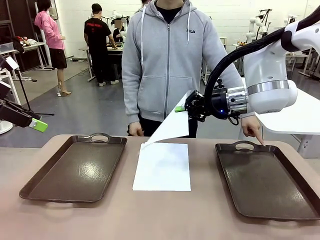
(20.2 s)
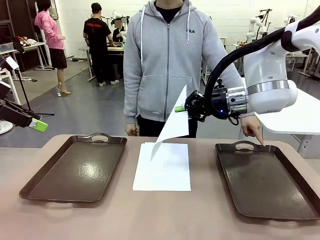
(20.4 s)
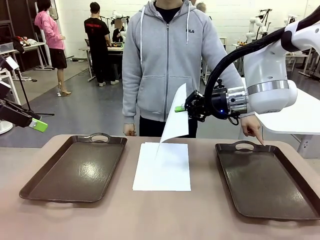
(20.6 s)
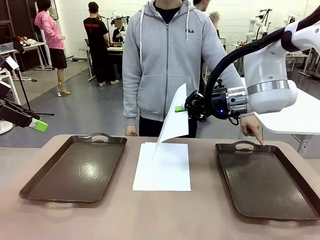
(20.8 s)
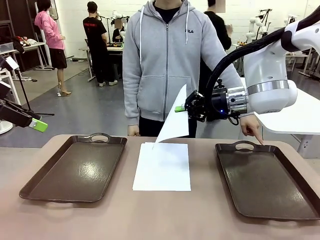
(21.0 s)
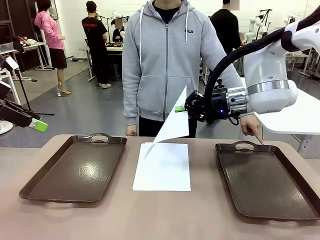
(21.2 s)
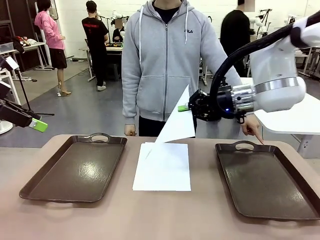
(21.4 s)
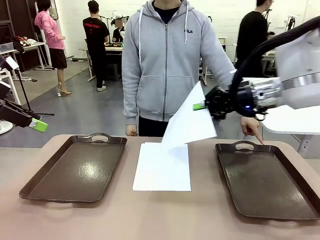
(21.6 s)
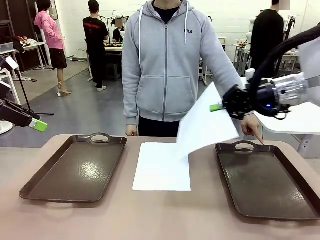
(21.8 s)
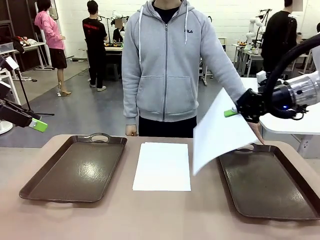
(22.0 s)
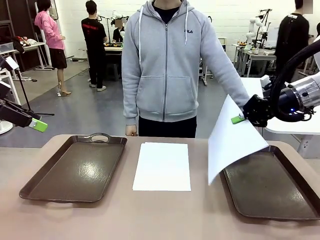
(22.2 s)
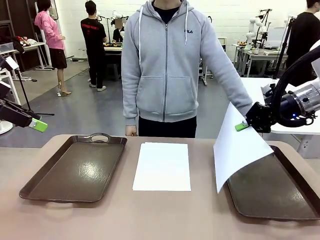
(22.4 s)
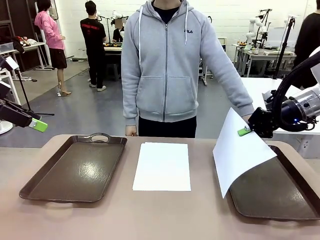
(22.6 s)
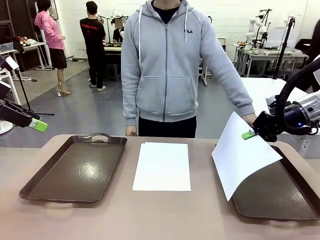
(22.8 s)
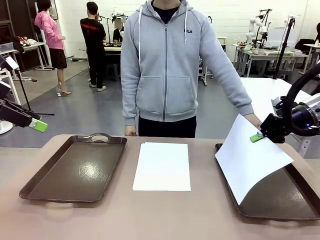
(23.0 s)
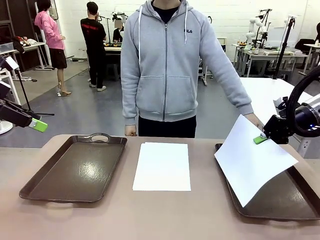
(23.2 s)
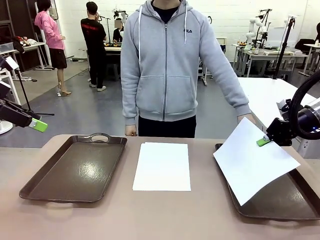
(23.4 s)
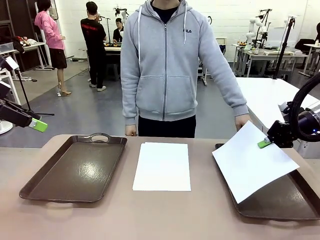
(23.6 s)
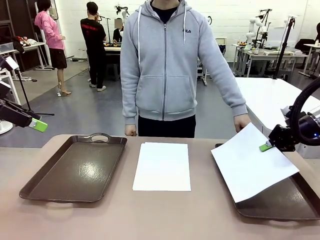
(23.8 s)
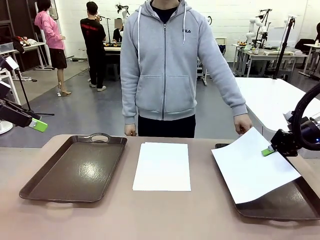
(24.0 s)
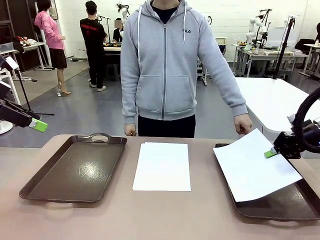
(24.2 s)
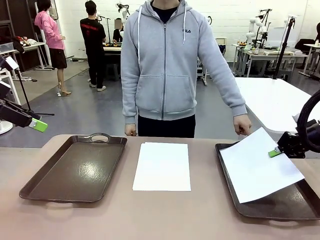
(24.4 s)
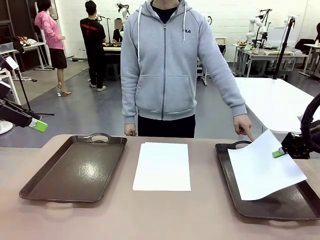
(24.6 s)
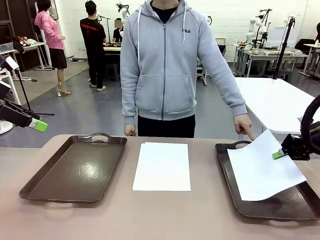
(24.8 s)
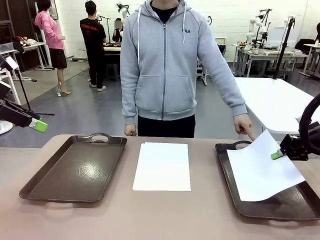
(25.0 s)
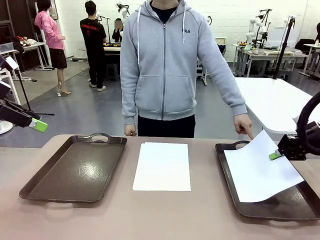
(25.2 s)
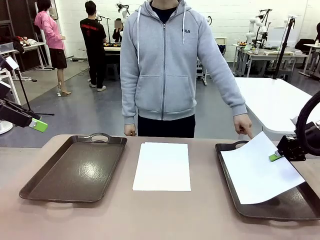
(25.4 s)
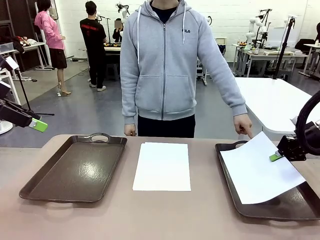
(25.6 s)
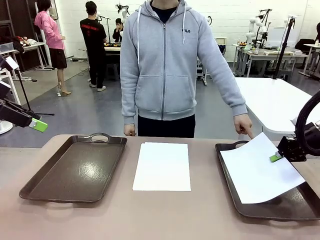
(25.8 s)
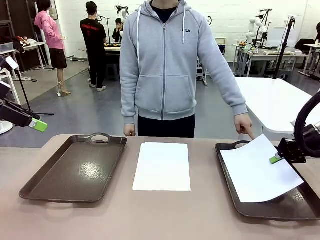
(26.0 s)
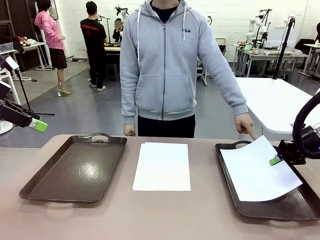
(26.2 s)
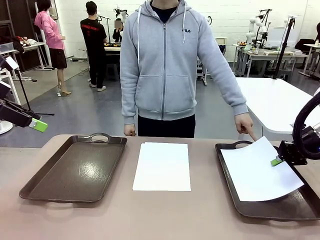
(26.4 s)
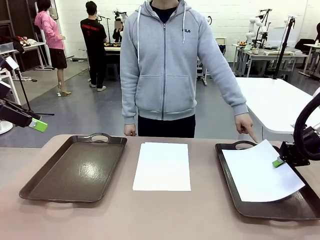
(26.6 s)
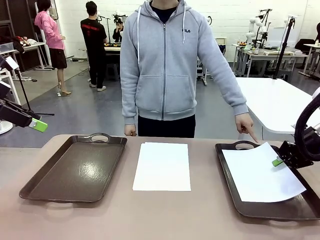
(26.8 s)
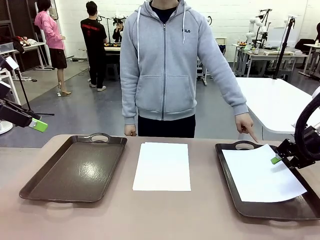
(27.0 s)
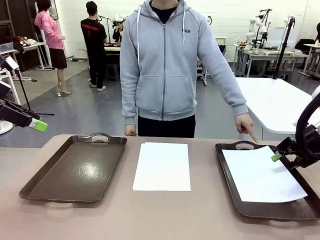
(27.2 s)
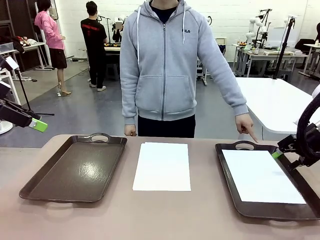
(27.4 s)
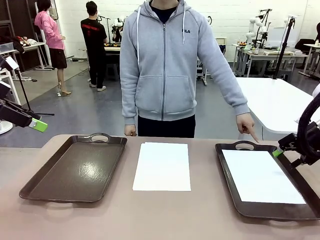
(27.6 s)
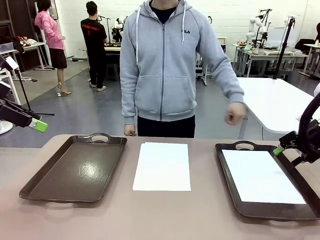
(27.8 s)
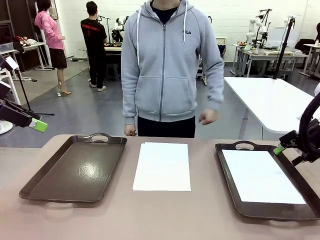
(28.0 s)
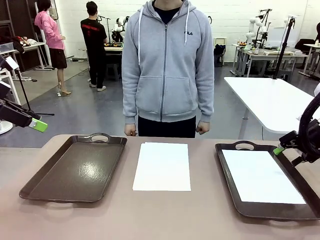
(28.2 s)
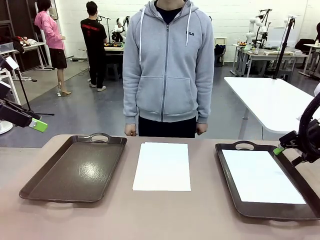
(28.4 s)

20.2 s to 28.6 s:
Task: Sort the A4 documents.
Robot: Place the A4 Paper in the designated Handle tray.

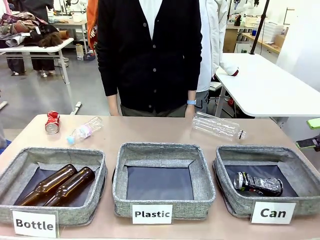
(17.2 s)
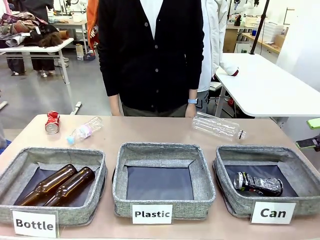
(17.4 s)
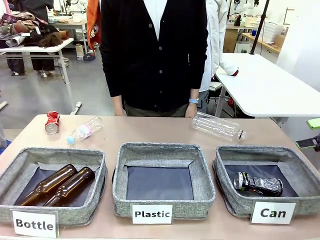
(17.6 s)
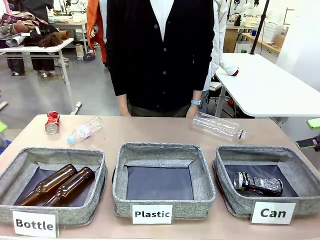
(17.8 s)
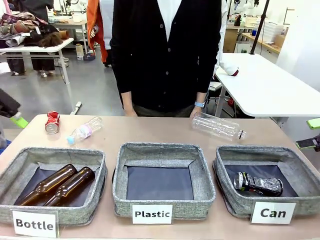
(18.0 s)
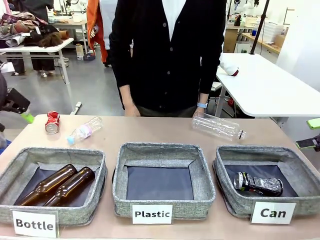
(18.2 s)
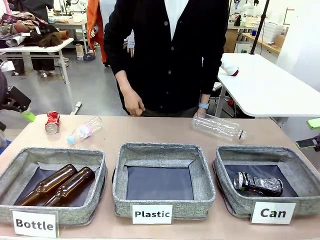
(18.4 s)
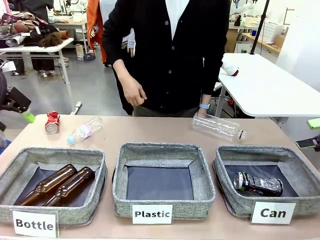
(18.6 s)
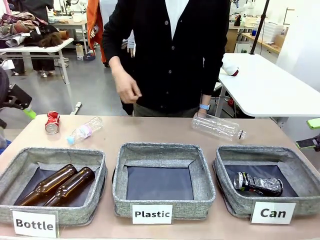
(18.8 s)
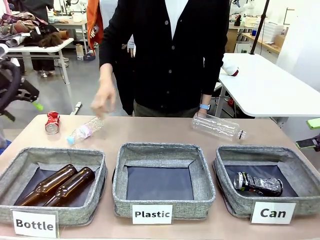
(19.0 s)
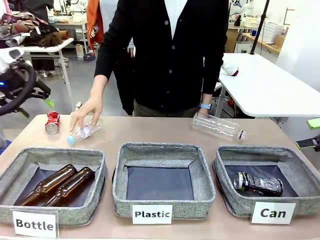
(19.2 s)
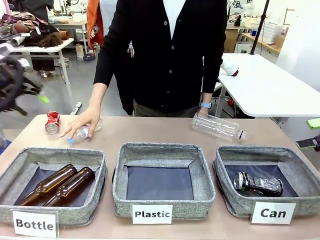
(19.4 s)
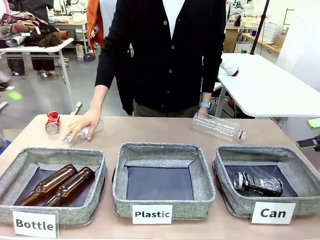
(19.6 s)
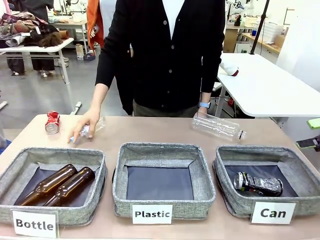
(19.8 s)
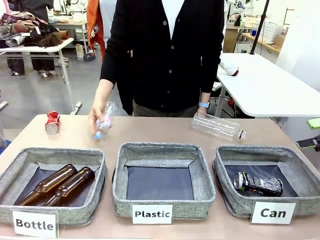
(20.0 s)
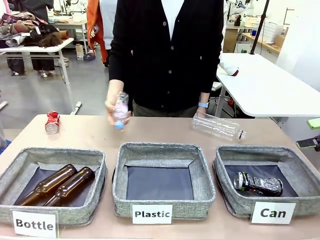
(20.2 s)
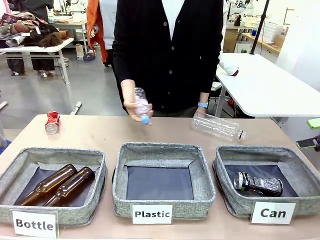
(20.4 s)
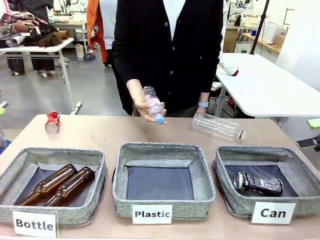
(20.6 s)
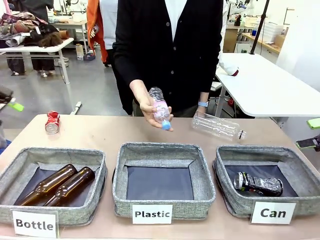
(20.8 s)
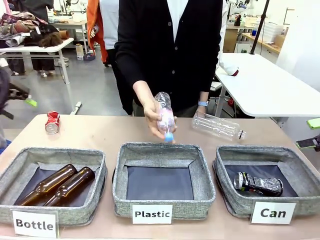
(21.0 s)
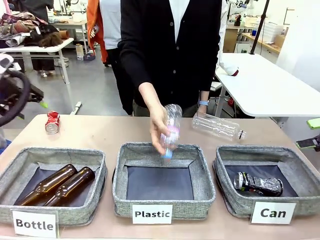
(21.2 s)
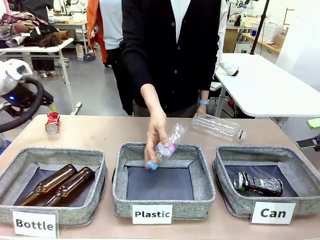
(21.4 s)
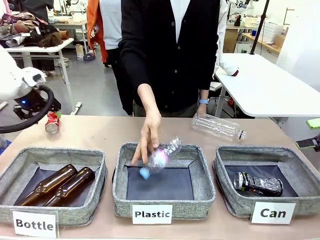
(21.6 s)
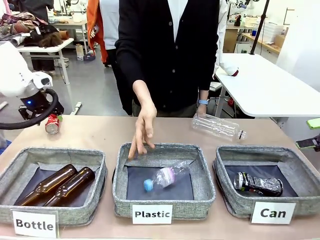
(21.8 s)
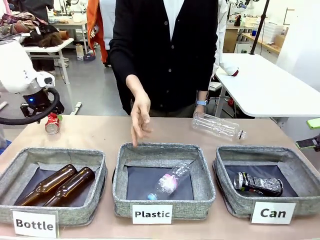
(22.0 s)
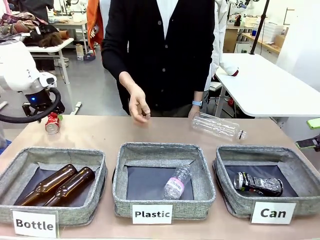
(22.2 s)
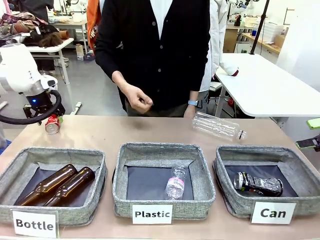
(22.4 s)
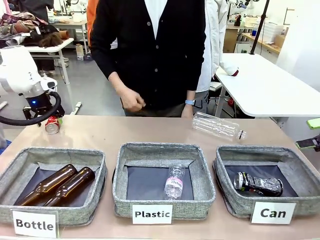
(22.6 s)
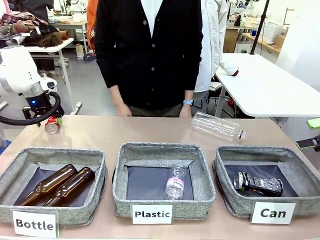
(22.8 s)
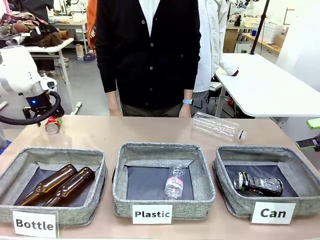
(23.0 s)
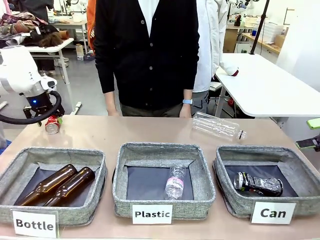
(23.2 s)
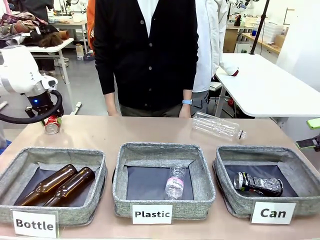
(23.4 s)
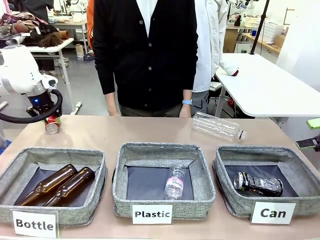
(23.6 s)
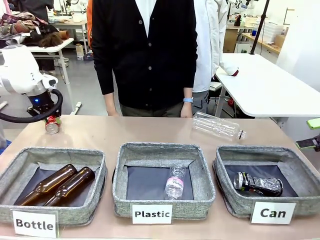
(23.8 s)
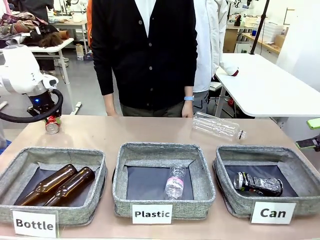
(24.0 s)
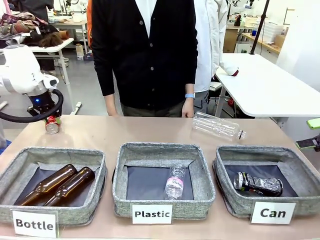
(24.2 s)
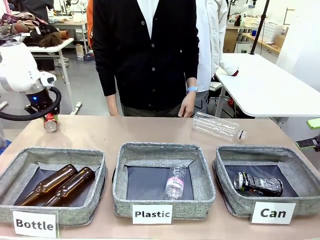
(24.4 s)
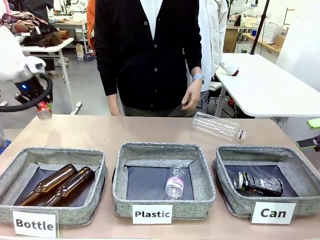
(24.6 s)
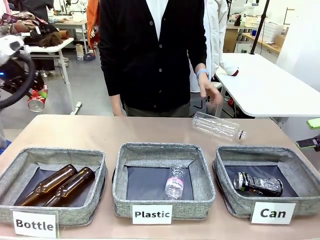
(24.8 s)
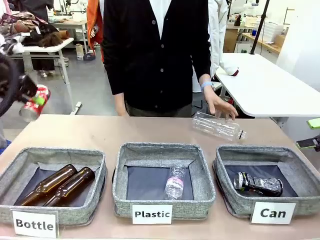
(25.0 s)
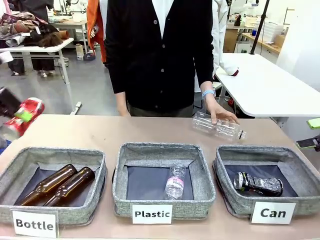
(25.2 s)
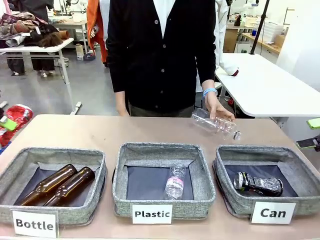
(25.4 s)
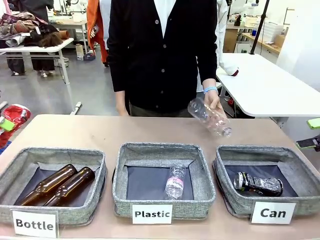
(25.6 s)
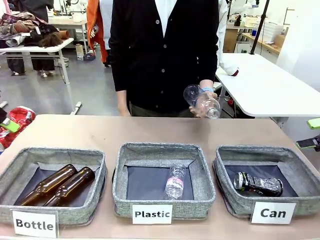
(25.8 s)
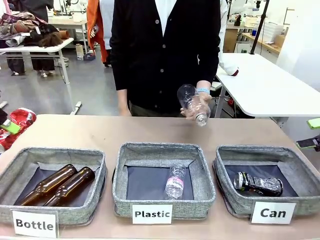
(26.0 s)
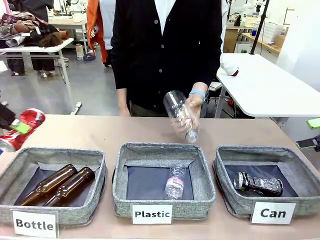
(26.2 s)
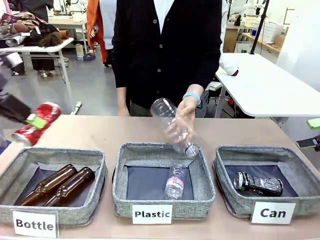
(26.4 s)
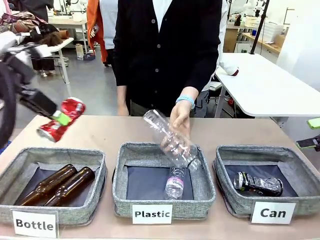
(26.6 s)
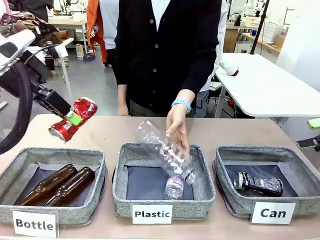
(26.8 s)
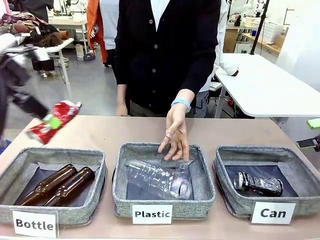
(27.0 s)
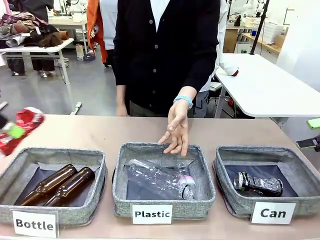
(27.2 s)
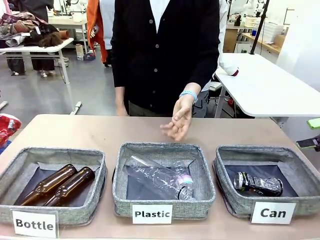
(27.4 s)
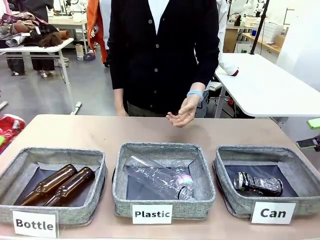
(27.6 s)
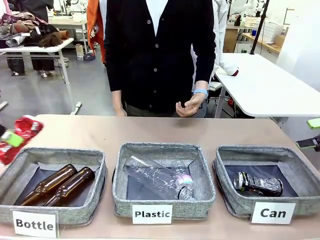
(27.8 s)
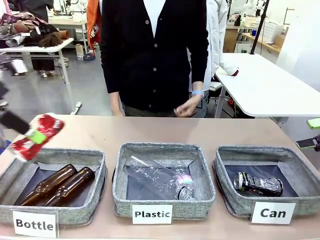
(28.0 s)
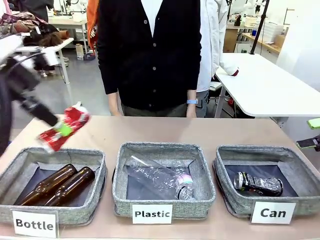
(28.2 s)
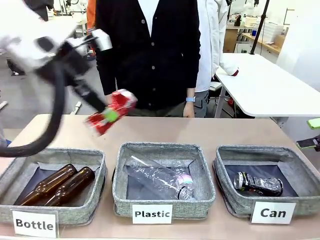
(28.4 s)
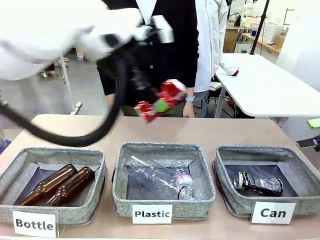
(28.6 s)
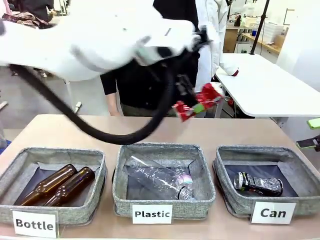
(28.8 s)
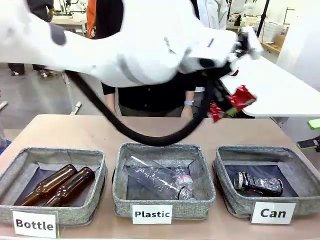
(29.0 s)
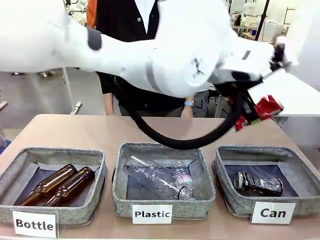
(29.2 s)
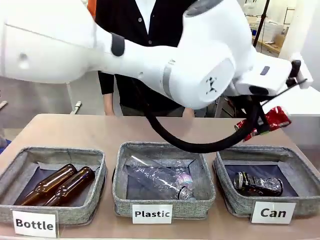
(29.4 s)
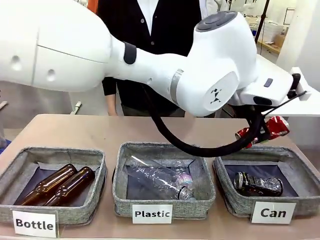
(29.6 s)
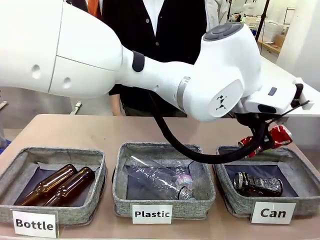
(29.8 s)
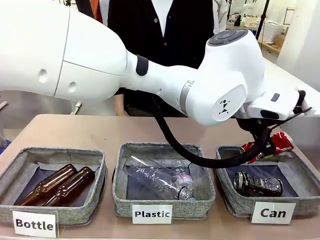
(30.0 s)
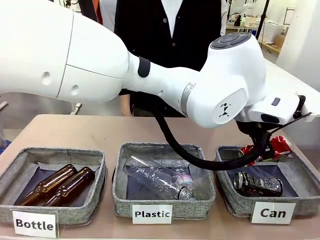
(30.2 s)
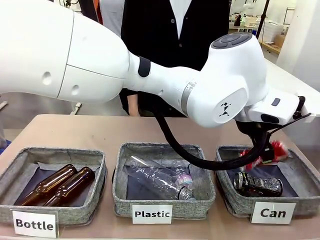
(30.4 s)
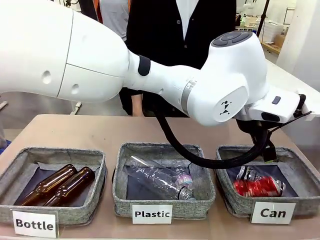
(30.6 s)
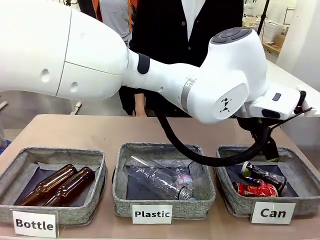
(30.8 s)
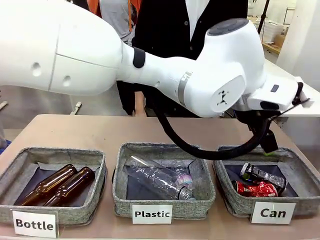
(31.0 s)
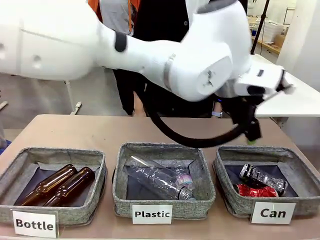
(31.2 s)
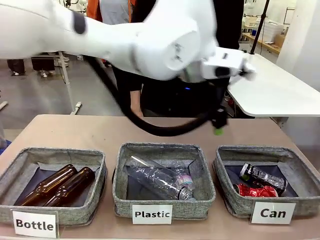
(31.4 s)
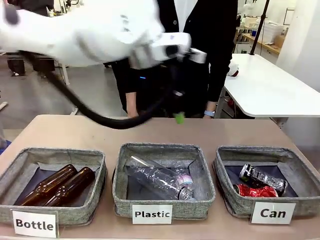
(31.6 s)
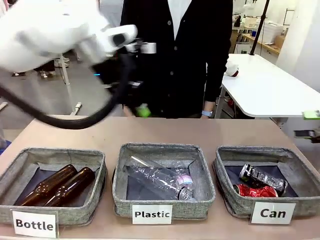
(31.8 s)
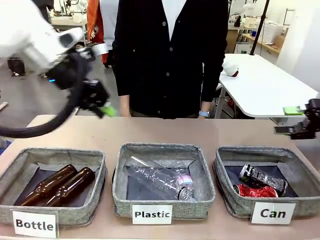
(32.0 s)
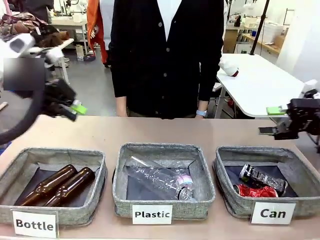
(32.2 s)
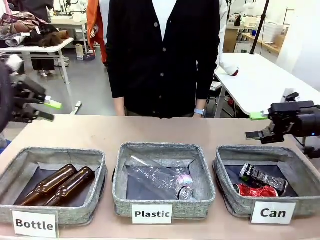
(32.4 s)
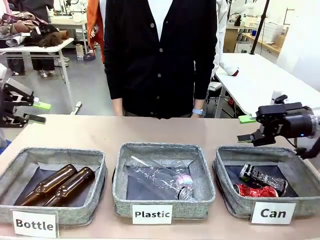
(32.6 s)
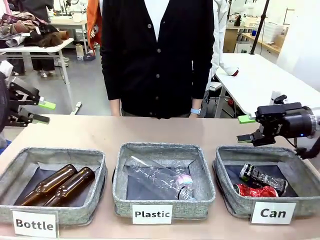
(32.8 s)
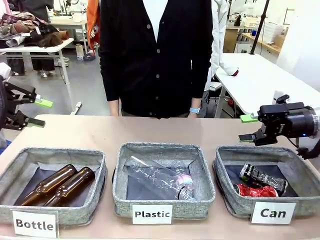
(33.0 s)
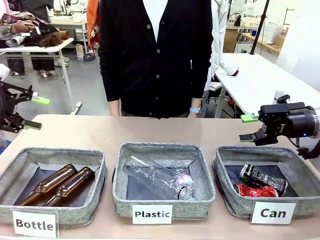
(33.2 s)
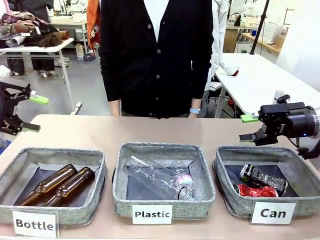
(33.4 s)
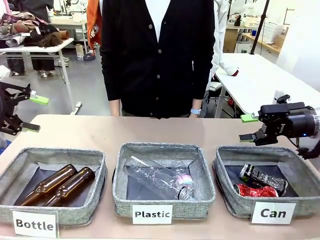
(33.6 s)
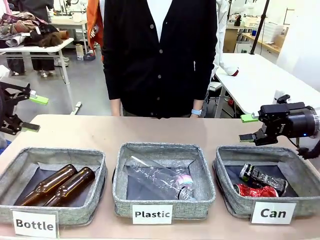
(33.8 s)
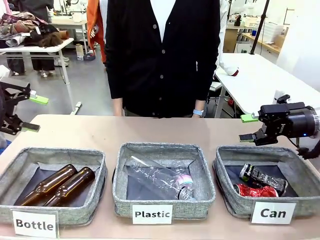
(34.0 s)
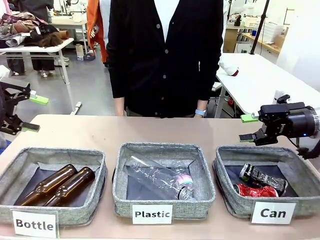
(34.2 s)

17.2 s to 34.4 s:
Task: Sort the can waste into the basket.
Robot: Pick up the can waste from the table and place it in the right Fabric basket.
